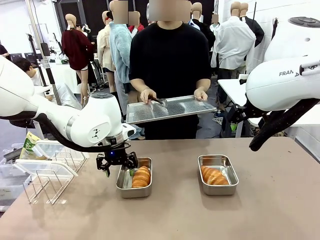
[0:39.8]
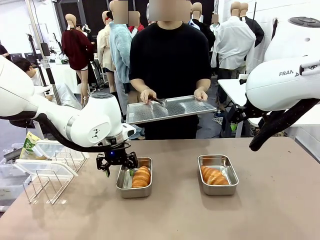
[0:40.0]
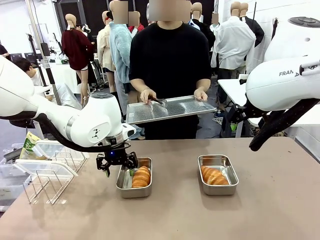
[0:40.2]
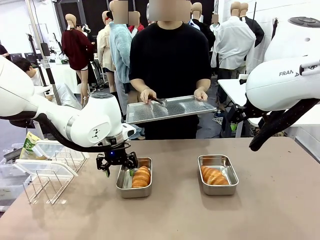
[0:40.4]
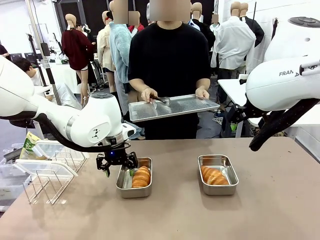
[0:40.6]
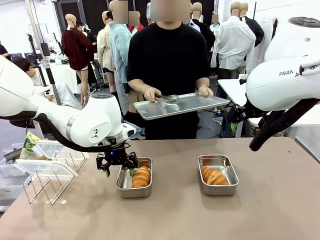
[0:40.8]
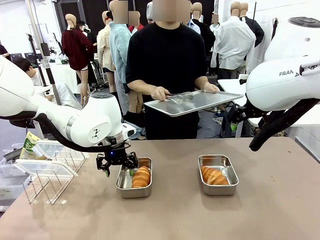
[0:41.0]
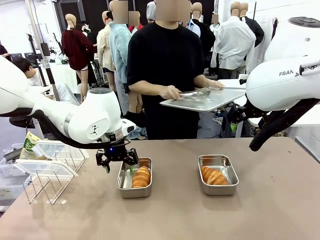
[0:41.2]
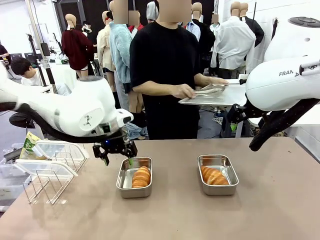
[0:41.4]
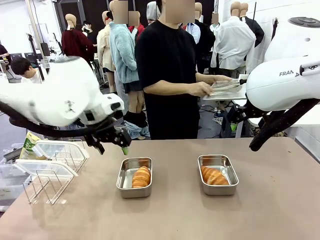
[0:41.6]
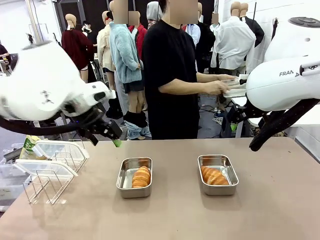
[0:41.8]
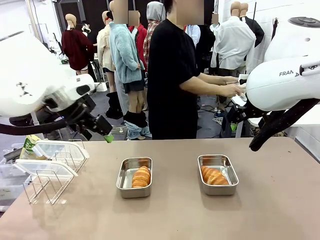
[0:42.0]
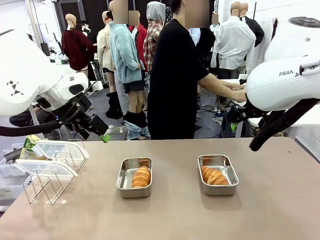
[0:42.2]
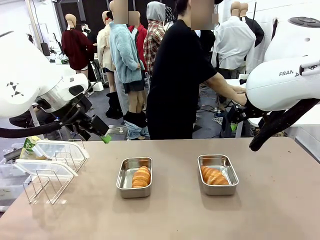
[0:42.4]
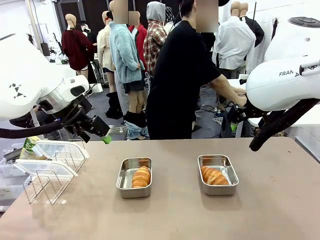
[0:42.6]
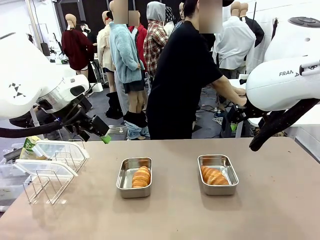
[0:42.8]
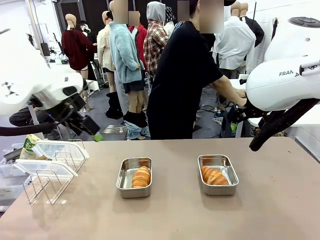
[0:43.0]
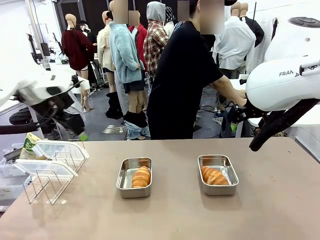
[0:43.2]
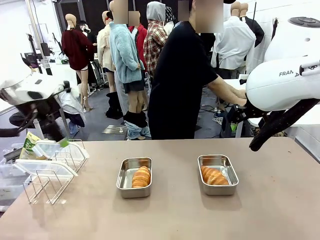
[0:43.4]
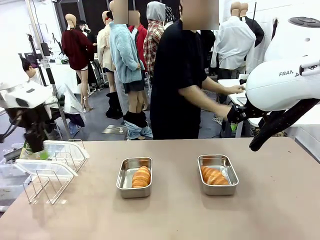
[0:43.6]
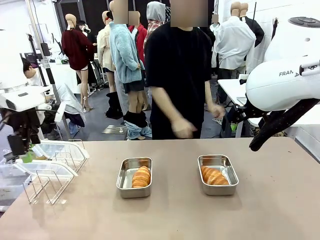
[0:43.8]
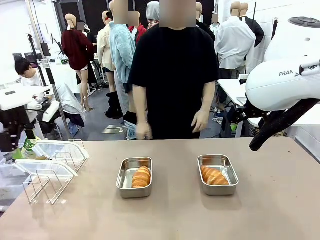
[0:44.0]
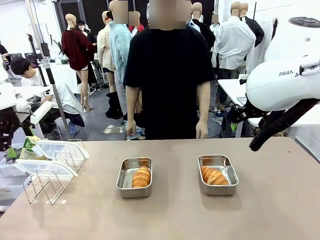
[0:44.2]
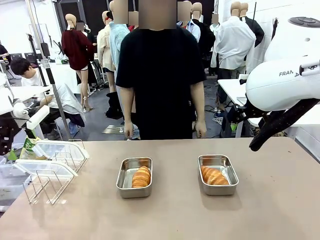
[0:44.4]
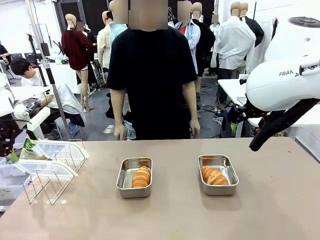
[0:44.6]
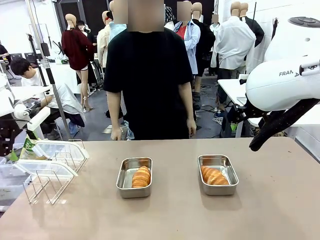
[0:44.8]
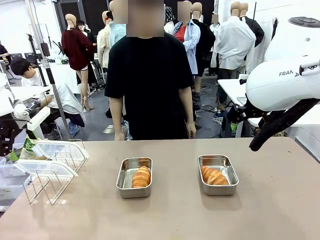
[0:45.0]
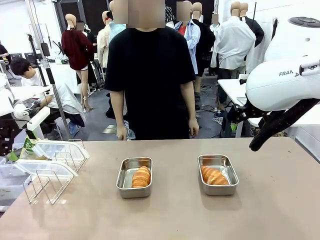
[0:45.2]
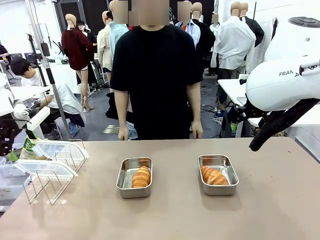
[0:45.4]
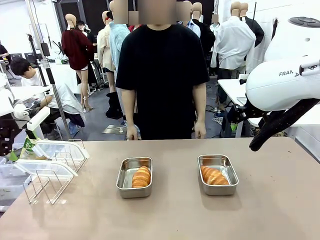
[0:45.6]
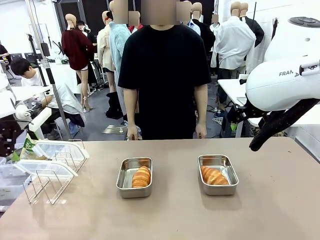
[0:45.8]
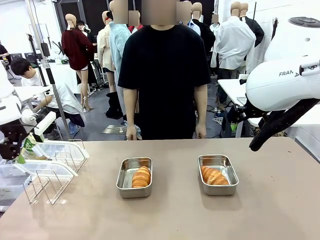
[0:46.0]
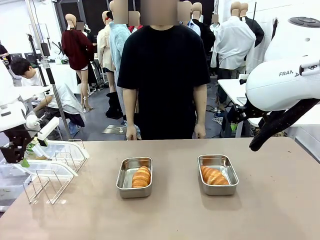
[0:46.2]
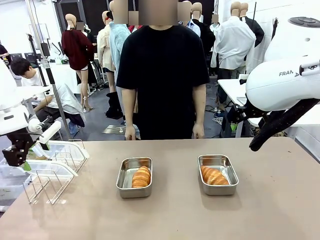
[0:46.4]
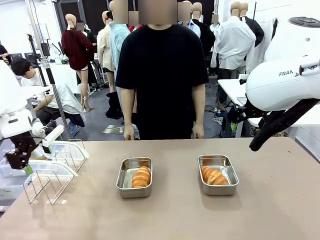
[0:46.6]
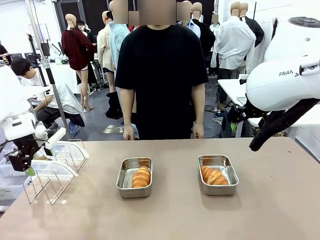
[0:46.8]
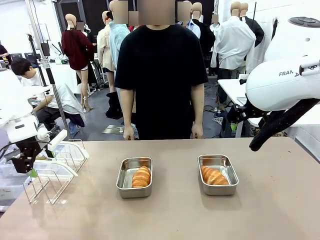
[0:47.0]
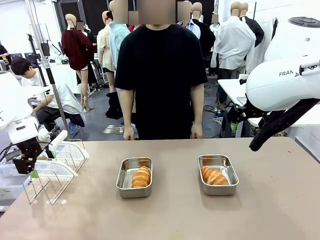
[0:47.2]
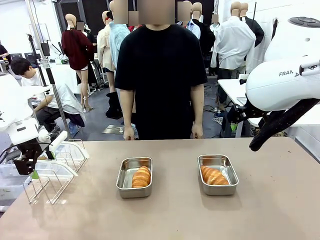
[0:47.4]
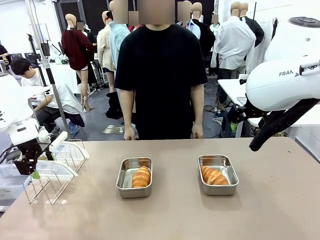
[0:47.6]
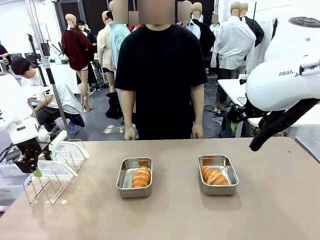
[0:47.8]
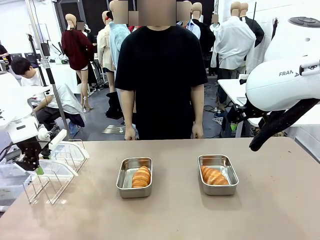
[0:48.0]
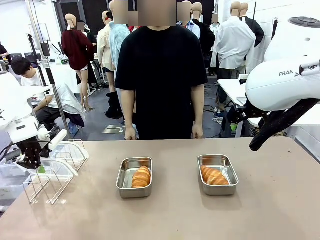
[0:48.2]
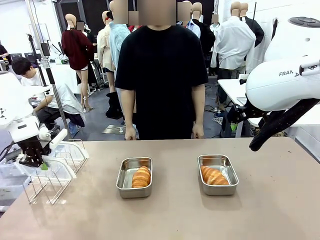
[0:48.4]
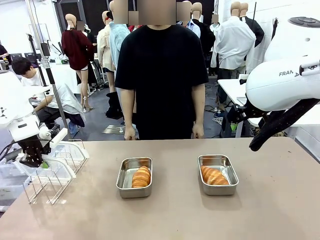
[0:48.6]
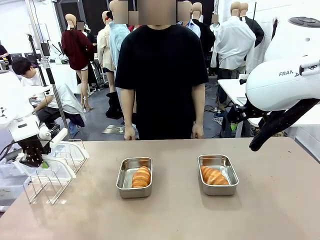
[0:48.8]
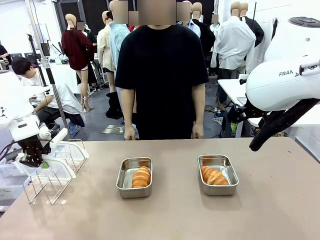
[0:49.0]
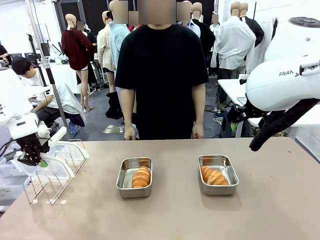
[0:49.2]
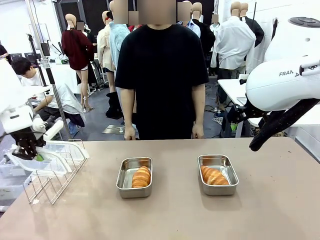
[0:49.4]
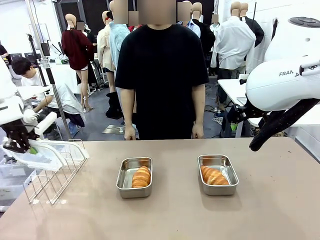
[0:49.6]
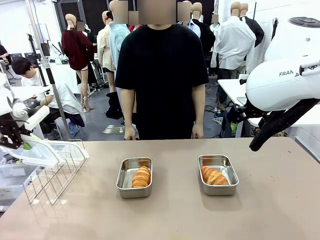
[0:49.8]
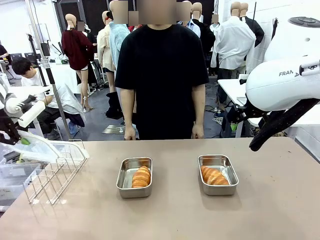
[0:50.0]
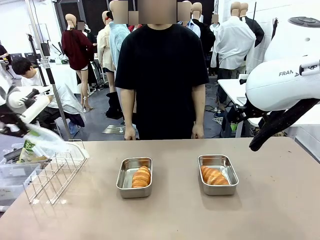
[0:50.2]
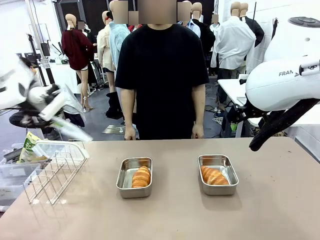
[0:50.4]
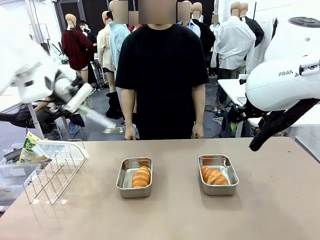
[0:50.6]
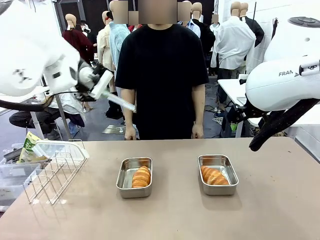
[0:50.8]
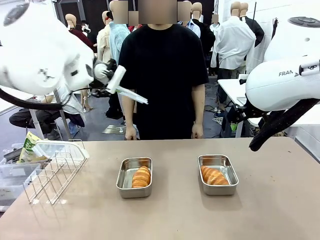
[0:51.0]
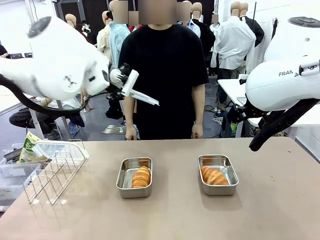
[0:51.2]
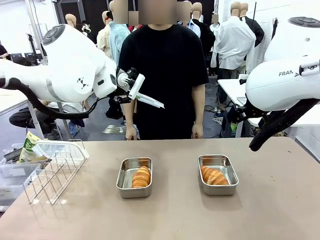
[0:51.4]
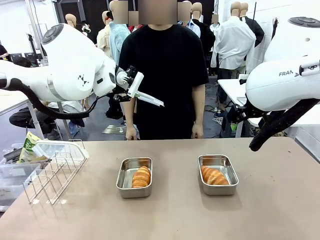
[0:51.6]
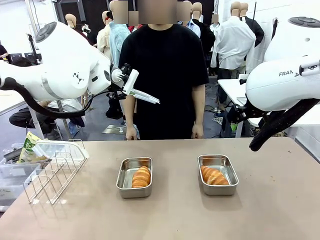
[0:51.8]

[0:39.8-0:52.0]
Task: Place the bread in airtight containers.
Robot: Pick up one Airtight Container lid and hand it to the human.
Person: Grip Airtight Container lid that robot is handing.

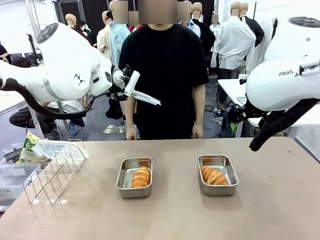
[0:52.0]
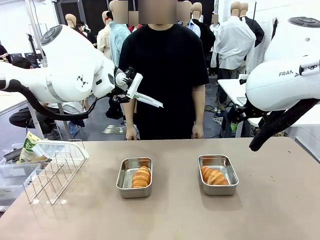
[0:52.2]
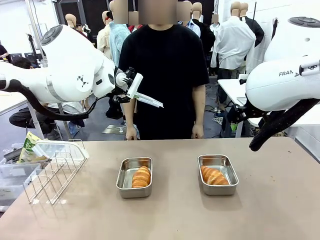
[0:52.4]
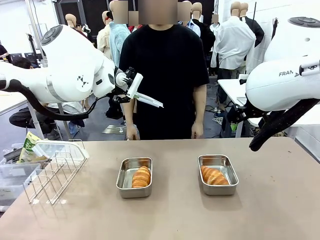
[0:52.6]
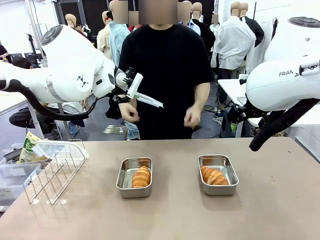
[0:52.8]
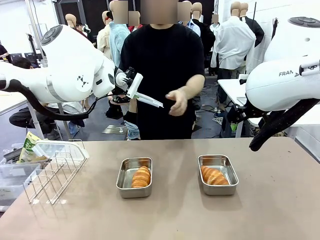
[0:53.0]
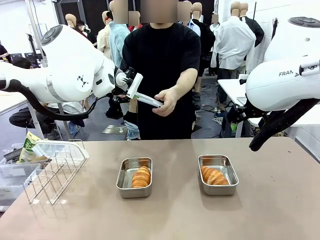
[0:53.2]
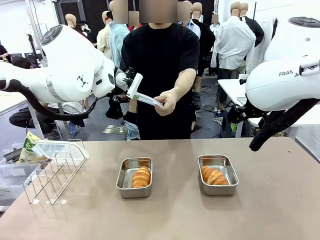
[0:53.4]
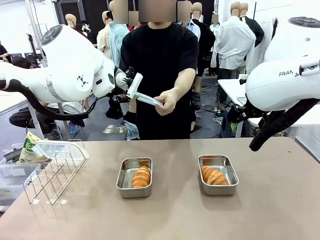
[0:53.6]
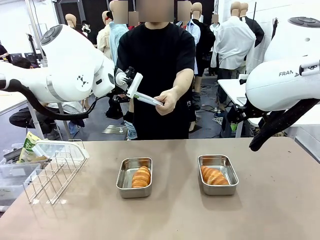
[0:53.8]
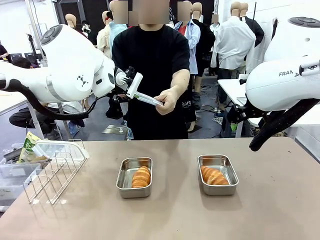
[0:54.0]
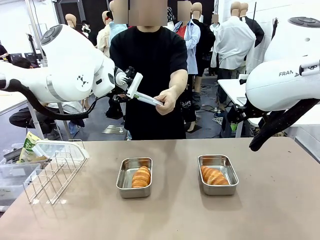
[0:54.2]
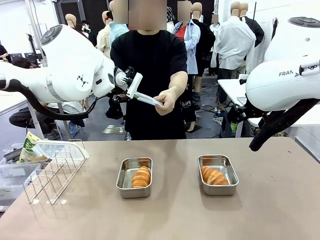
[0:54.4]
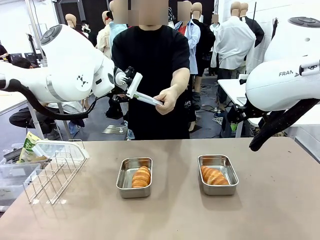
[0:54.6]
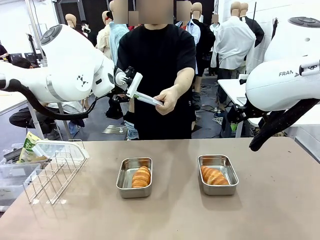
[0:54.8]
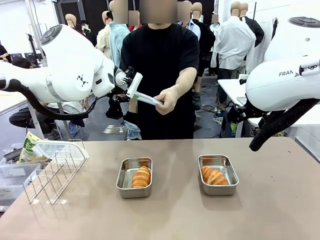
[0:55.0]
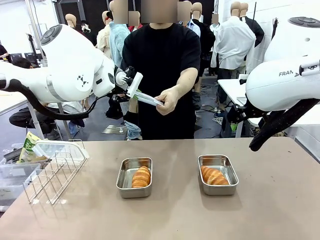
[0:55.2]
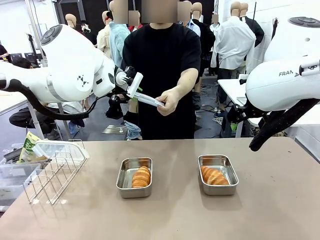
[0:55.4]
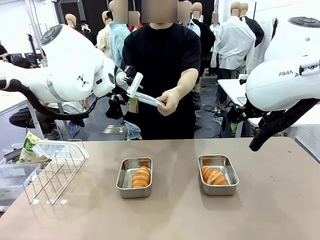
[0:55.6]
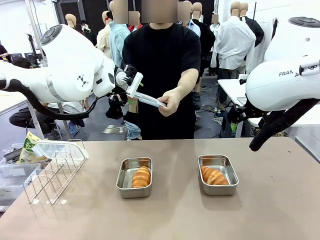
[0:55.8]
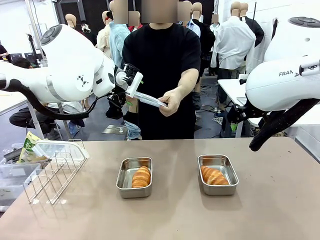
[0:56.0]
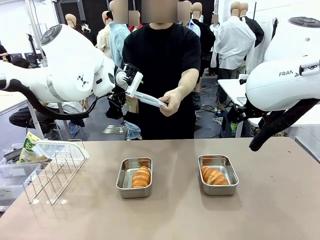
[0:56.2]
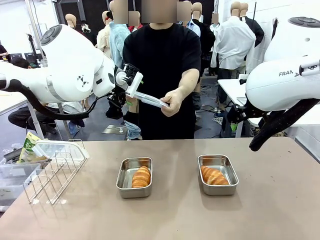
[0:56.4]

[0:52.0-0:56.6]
Robot: Release when the human grabs the Airtight Container lid.
